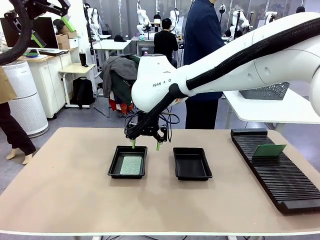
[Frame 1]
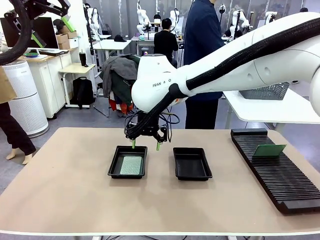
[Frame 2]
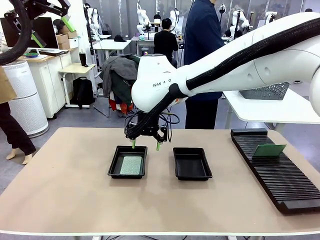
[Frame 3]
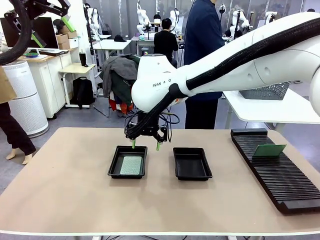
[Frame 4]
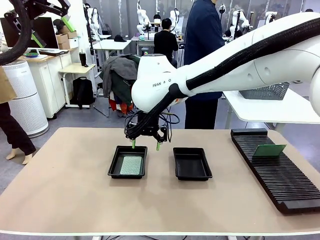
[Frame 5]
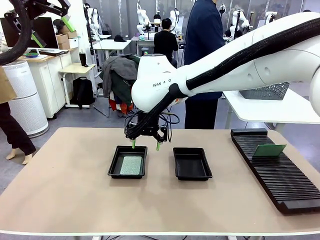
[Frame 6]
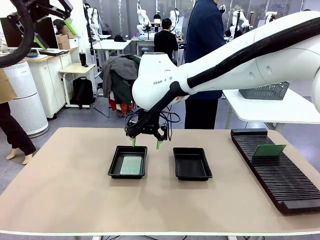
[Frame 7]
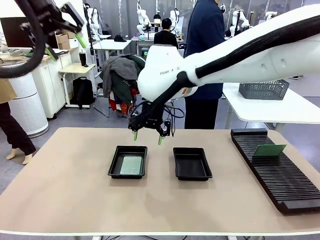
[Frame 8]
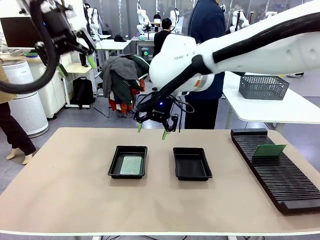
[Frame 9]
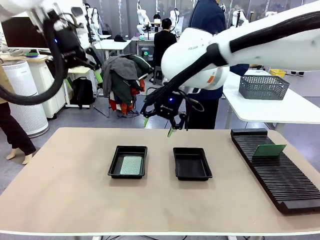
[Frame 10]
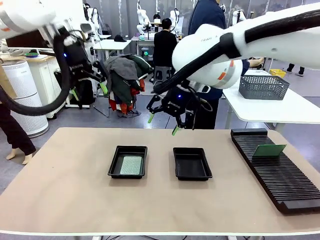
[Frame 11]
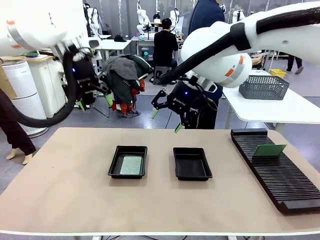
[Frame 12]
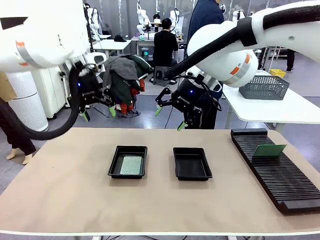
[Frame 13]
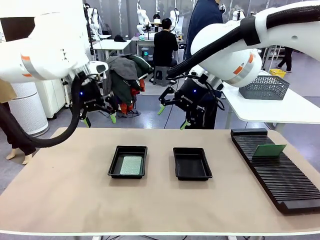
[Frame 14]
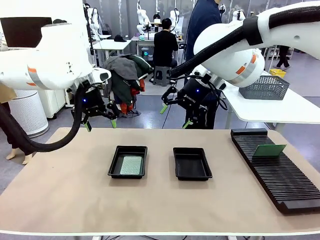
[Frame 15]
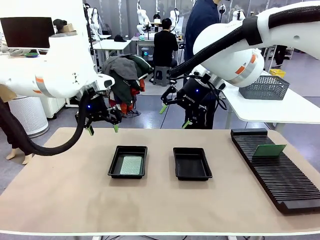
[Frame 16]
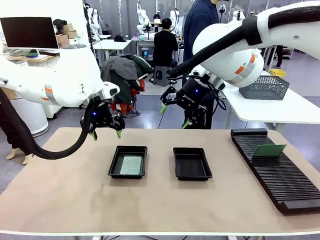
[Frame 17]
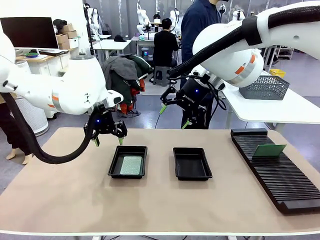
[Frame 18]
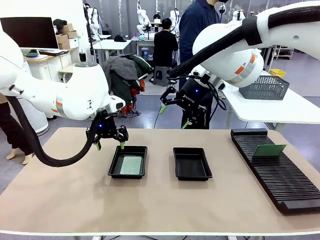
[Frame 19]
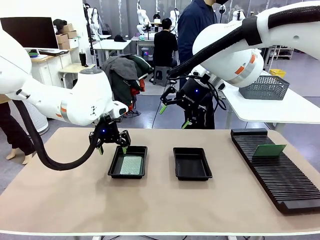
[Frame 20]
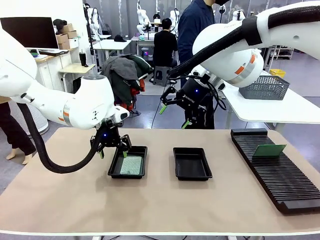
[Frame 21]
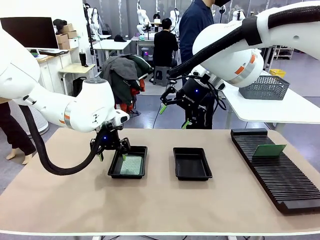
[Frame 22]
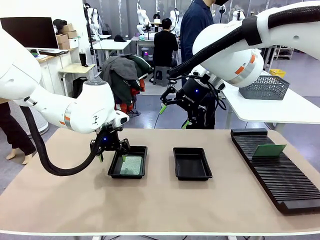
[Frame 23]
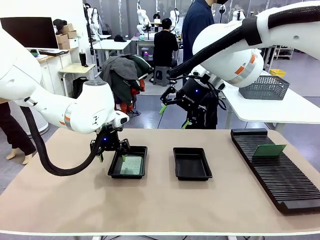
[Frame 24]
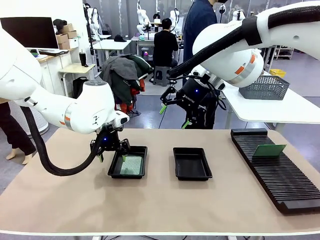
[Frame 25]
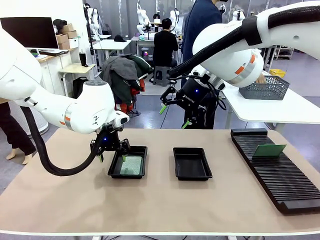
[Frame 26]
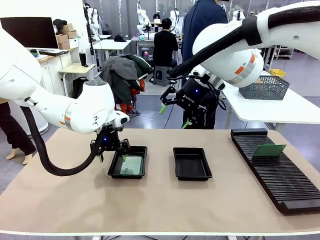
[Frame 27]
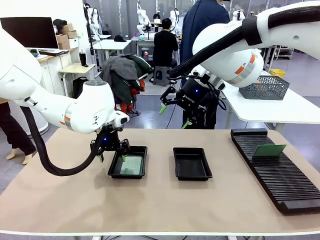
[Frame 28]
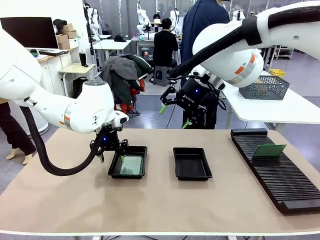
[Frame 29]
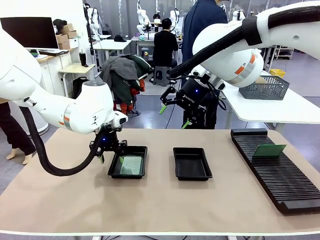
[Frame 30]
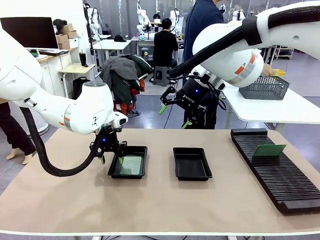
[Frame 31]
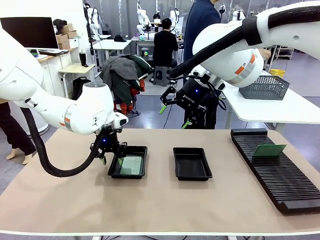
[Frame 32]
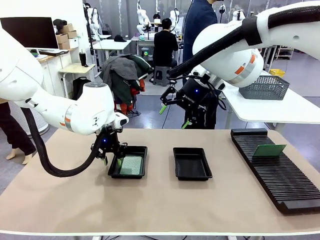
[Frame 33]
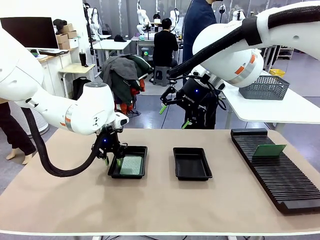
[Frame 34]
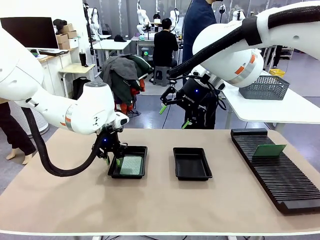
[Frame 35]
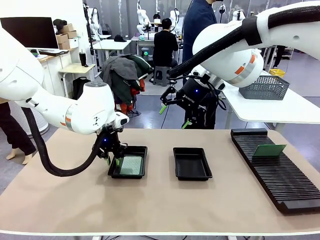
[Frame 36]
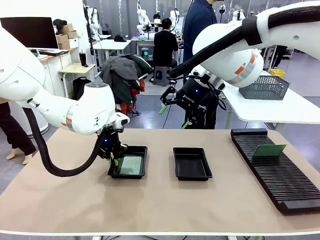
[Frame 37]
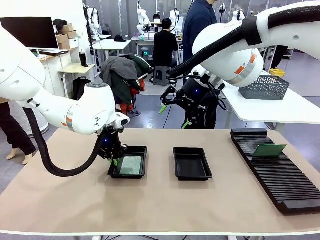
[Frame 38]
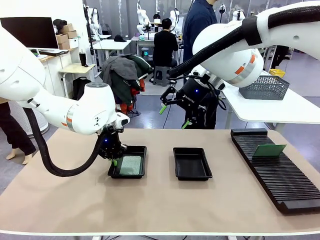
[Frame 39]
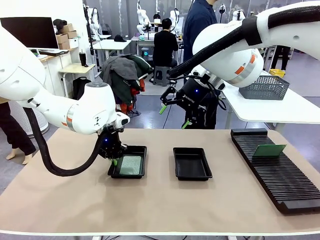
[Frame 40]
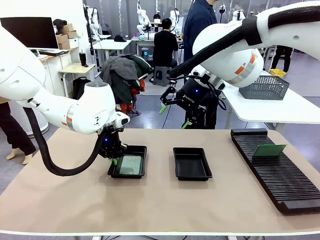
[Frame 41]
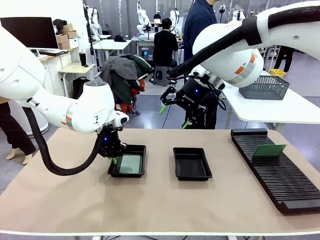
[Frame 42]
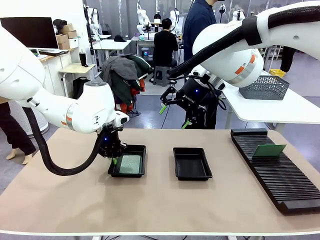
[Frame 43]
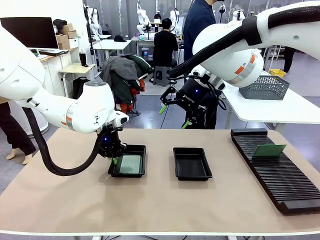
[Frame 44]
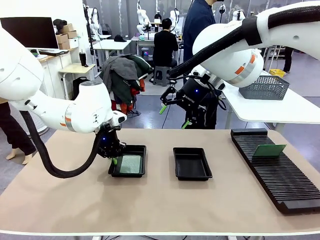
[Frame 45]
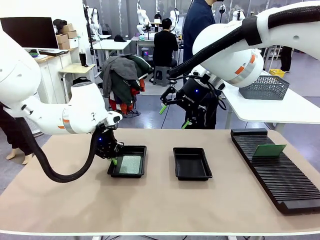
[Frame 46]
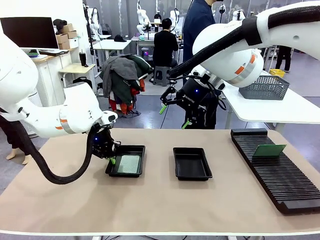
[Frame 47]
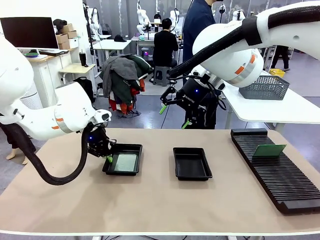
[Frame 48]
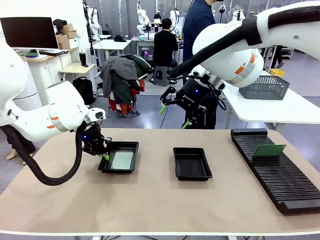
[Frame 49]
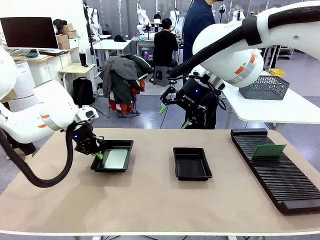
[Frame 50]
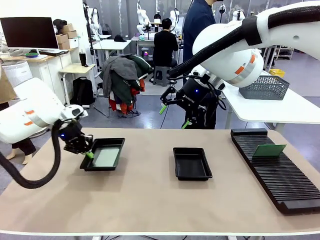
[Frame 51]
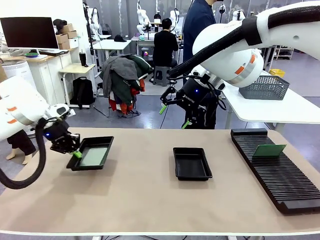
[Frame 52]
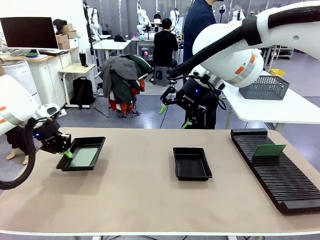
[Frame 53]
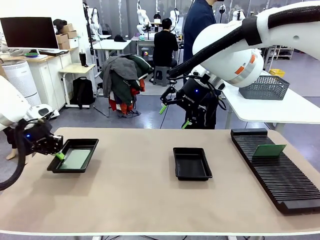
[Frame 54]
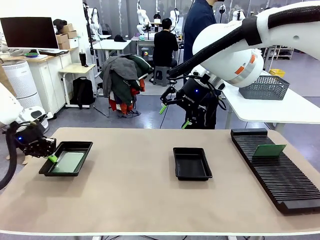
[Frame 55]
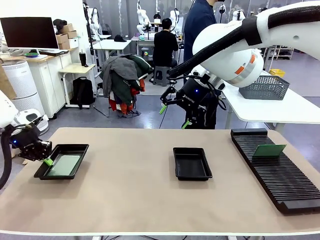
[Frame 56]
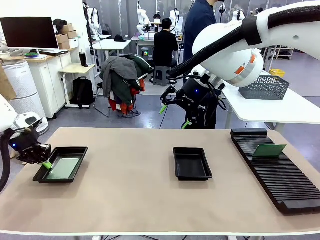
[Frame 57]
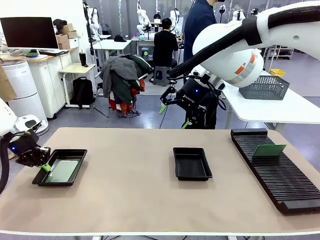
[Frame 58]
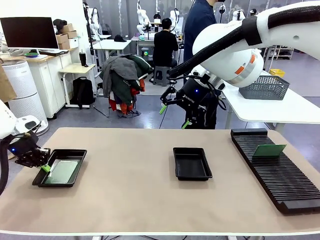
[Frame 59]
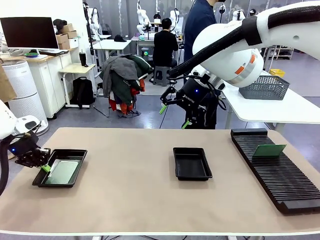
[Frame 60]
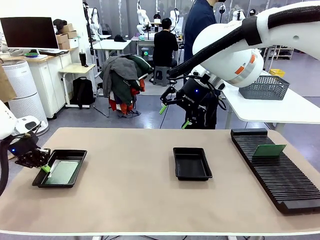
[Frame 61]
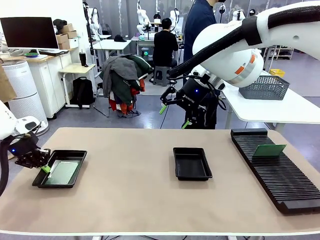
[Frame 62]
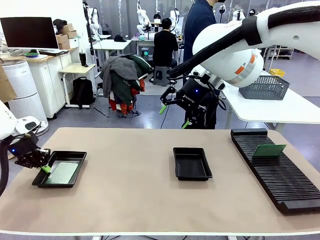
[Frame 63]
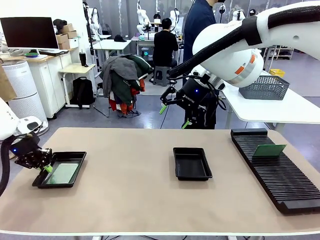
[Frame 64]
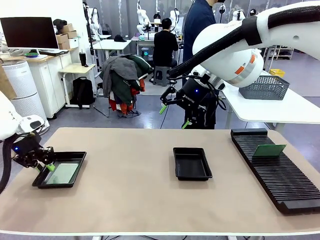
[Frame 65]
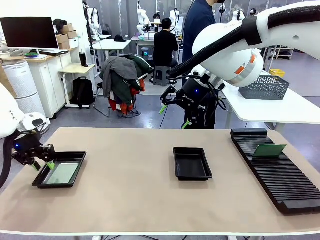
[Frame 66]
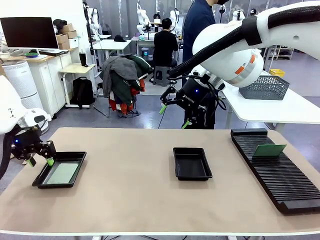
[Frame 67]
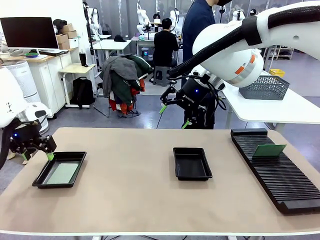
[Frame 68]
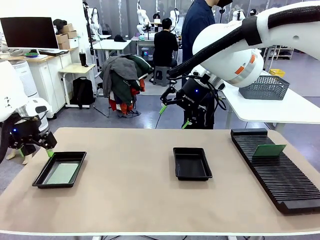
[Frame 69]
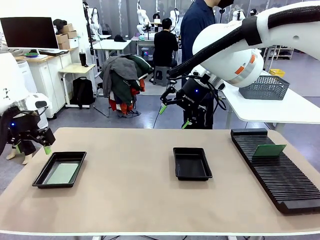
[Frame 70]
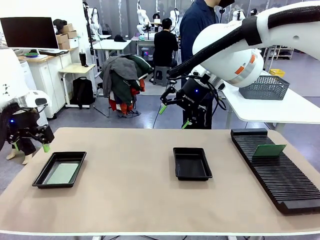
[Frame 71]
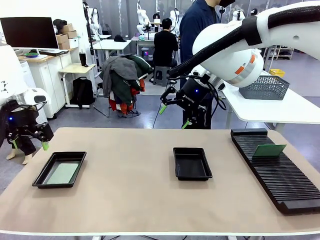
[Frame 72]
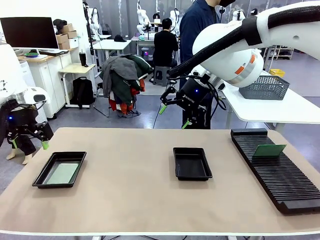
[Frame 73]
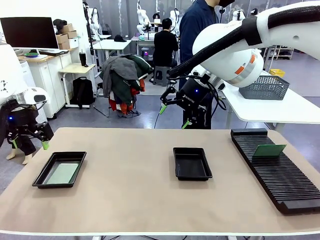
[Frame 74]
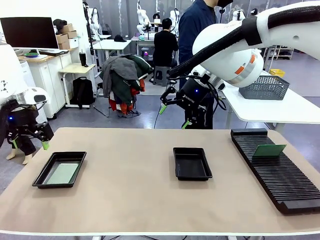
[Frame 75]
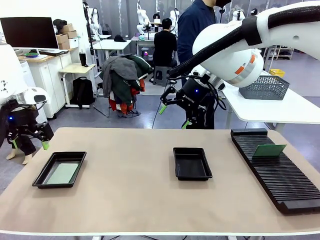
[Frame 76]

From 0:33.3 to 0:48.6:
Task: Inspect and transfer BCBs to ESD trays.
Robot: Pick up the ESD tray and place it on the left side of the table.
